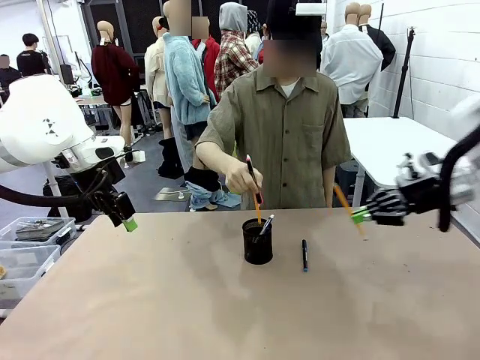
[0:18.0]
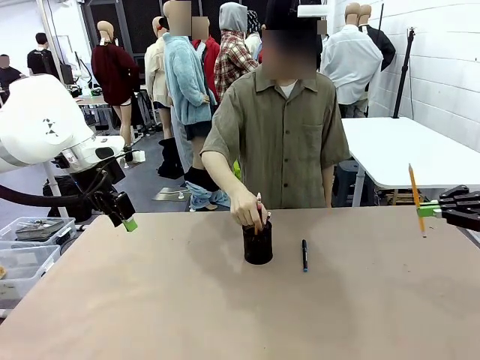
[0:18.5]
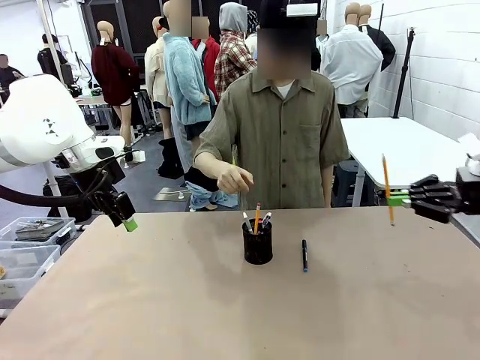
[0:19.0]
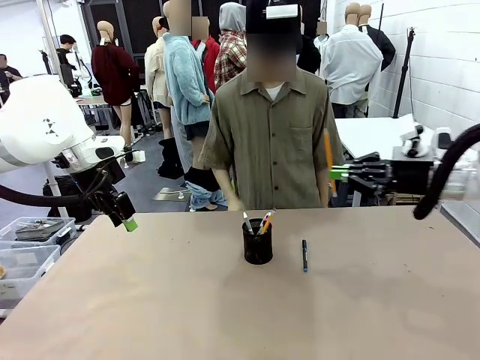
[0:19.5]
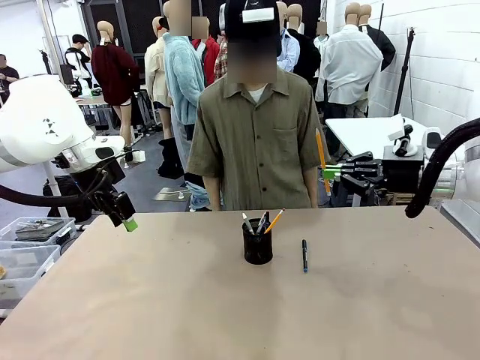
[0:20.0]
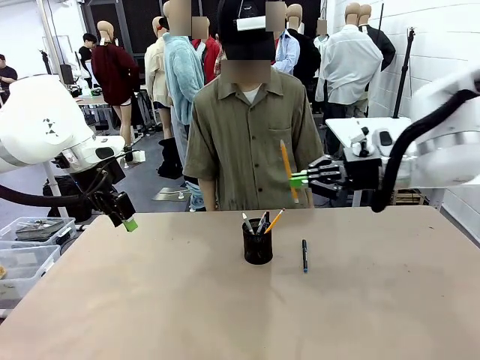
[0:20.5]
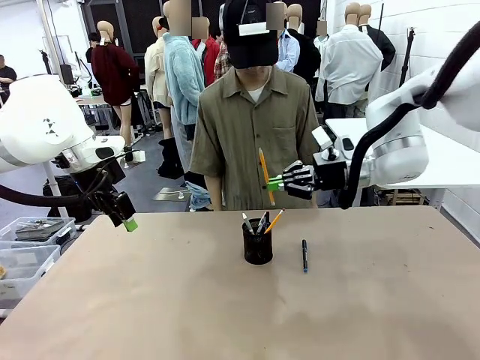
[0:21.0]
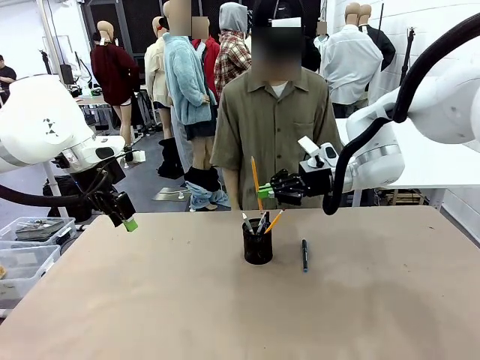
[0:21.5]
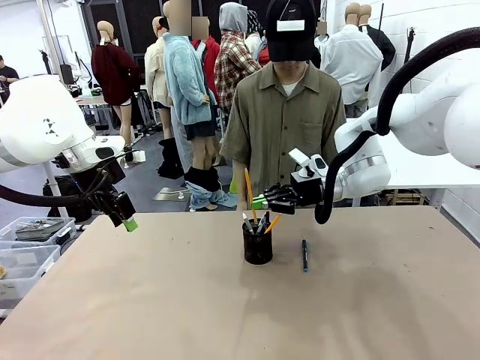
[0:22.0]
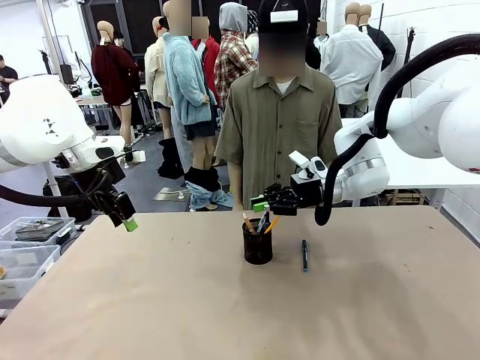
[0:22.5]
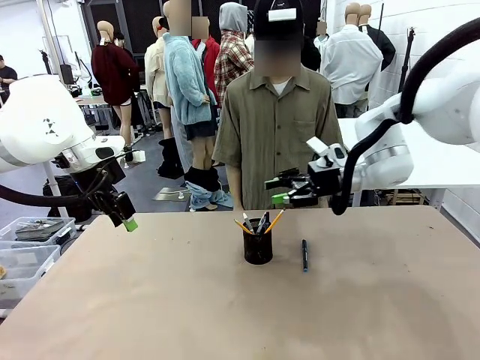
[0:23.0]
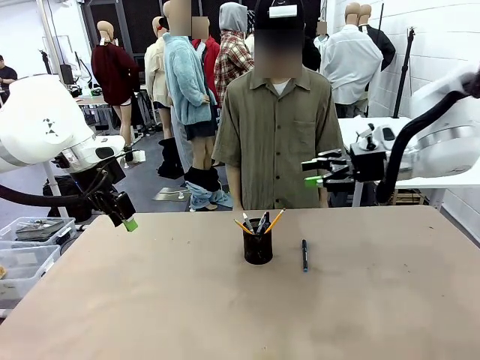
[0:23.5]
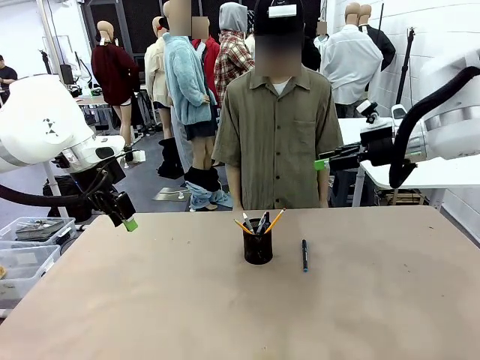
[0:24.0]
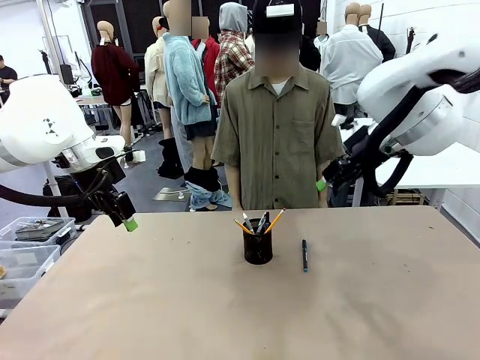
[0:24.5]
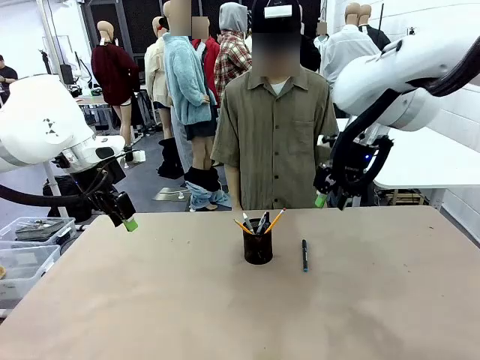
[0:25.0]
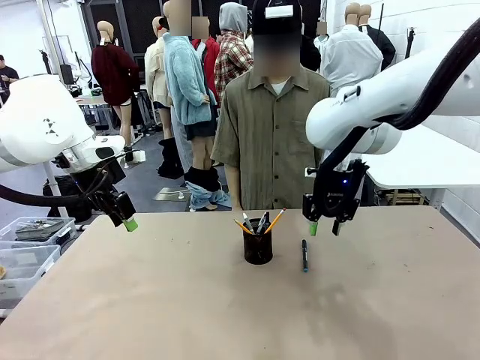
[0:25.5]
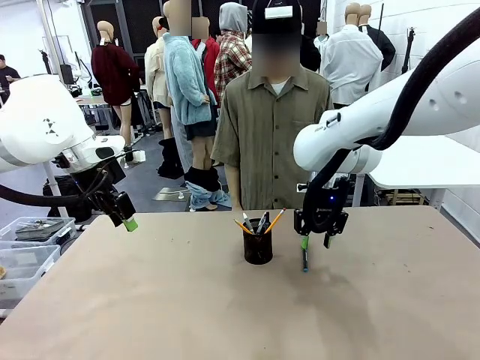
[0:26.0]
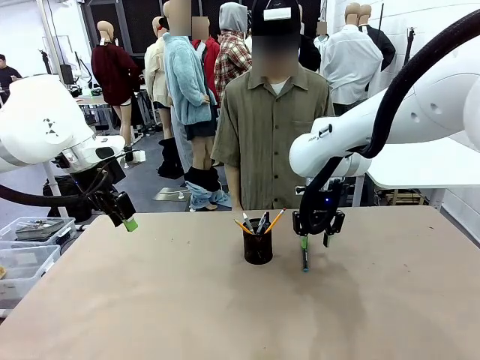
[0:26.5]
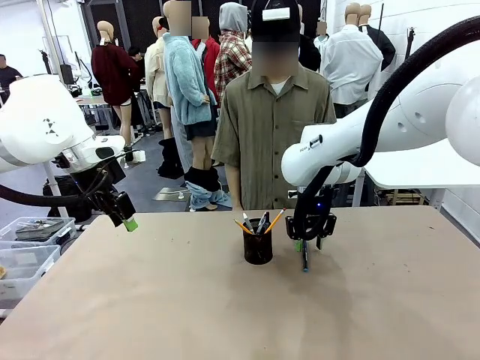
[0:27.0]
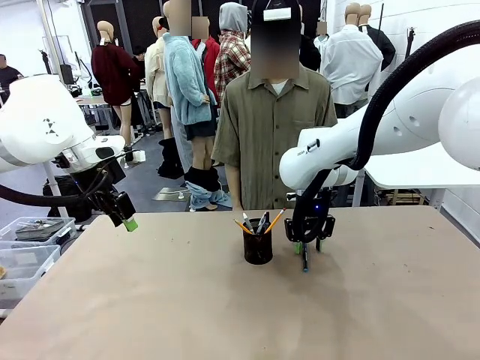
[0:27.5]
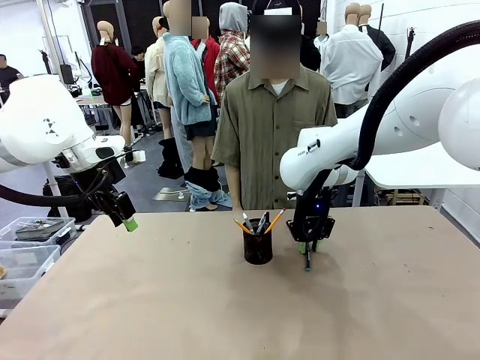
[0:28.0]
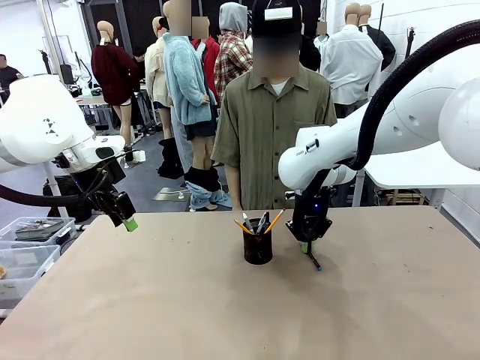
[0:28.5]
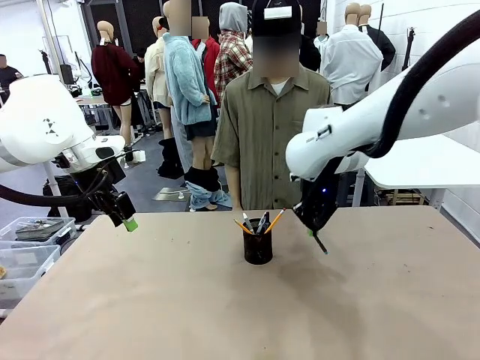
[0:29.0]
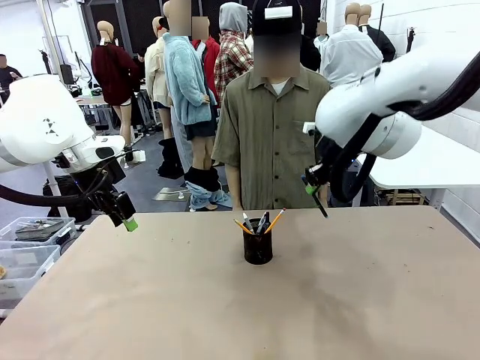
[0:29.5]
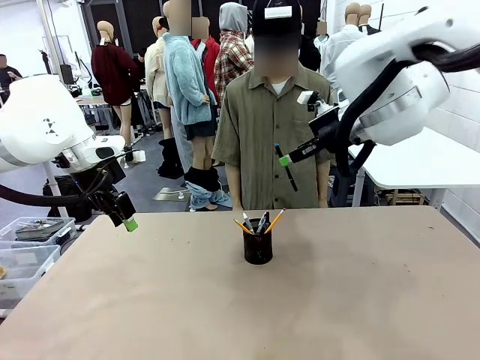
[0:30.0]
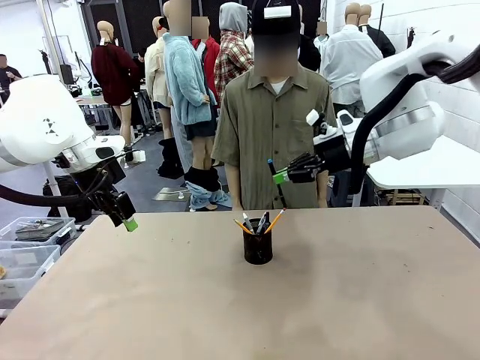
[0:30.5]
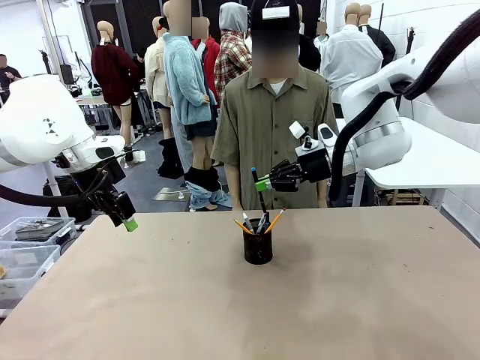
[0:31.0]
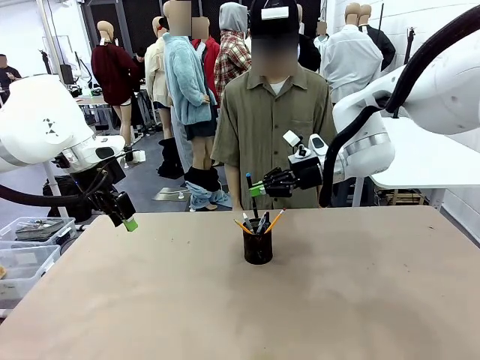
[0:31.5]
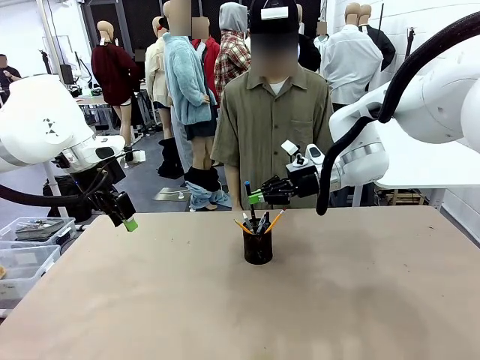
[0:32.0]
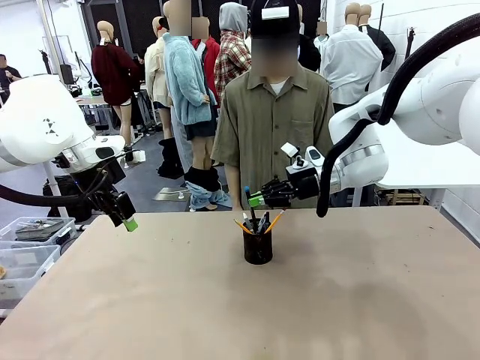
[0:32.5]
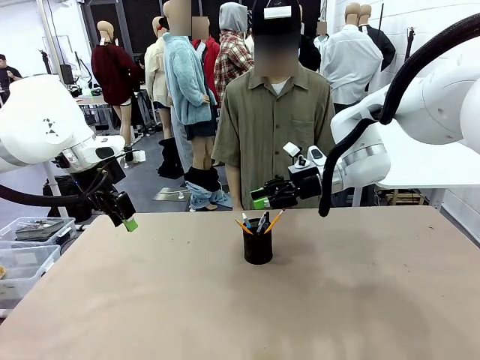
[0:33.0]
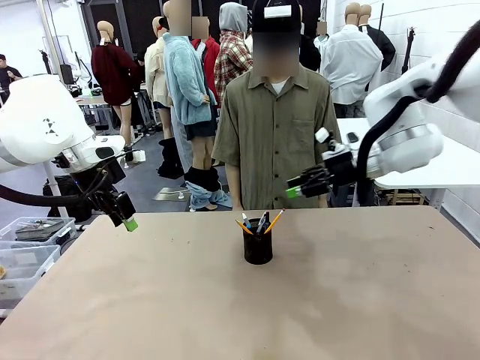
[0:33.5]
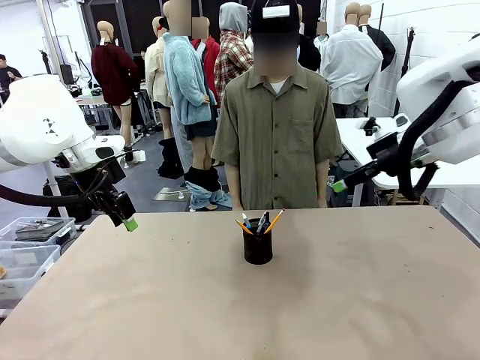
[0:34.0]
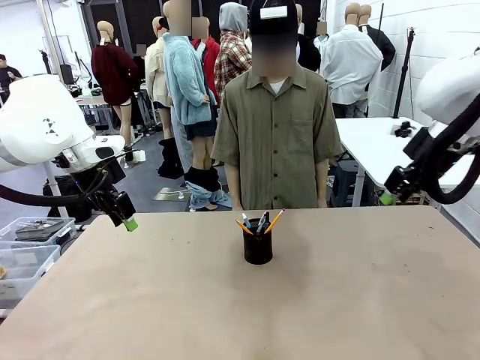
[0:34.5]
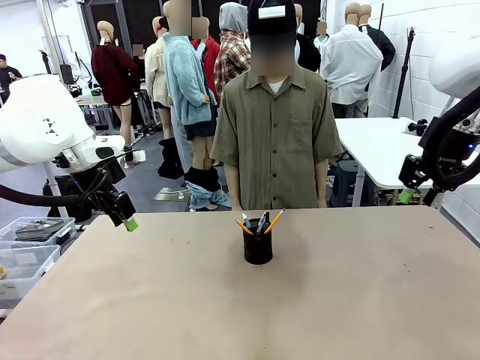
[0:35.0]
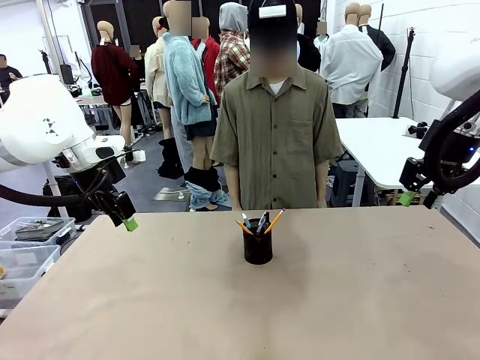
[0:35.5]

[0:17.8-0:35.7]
Task: Place the pens into the pen holder.
Robot: Pick up a writing instrument from the table and place it into the Pen holder.
Person: Place all writing instrument into the Pen holder.

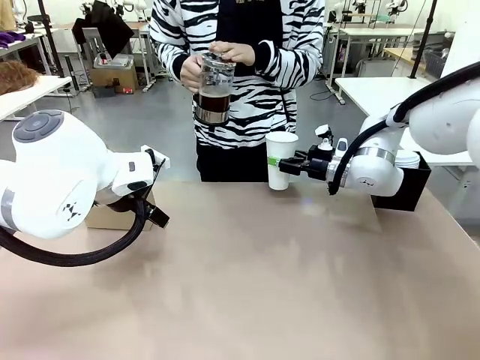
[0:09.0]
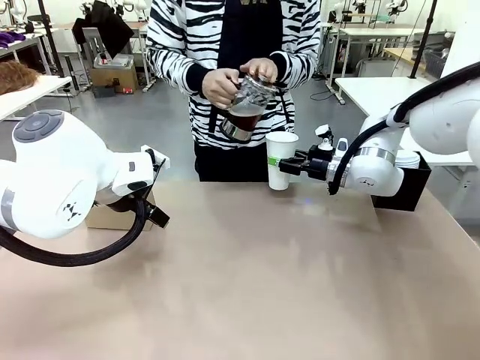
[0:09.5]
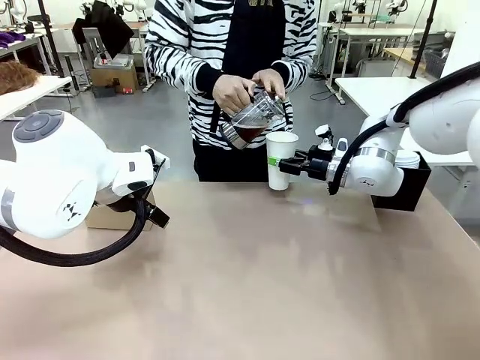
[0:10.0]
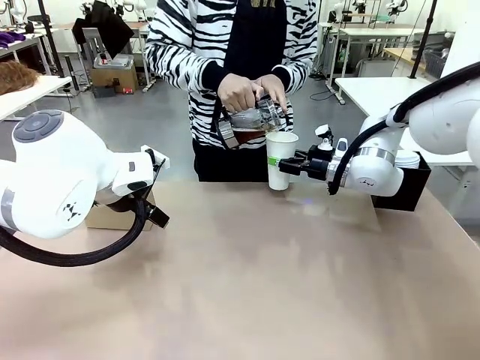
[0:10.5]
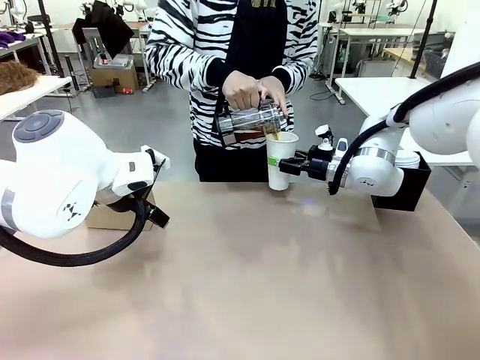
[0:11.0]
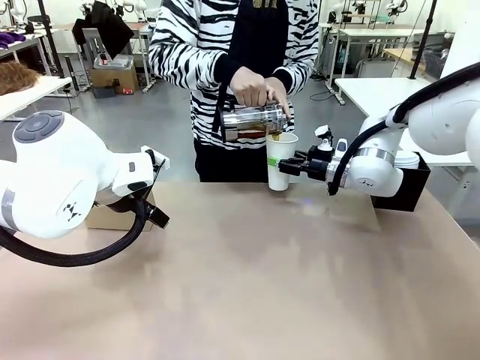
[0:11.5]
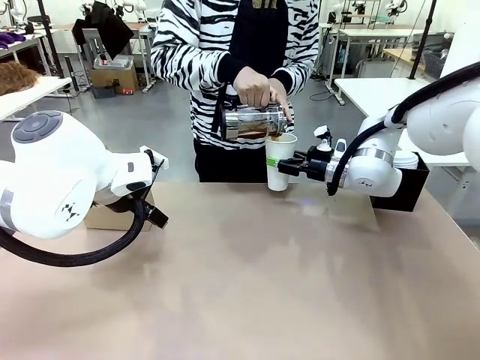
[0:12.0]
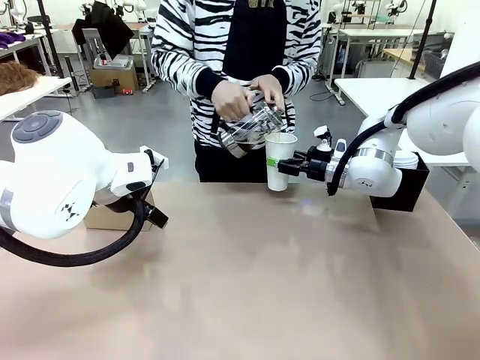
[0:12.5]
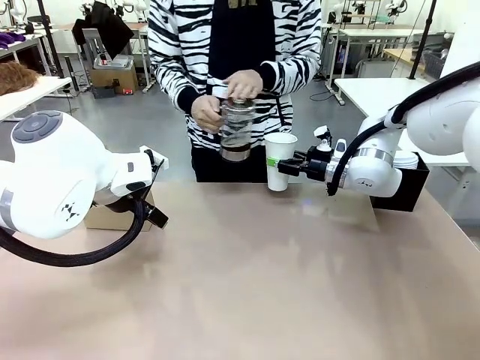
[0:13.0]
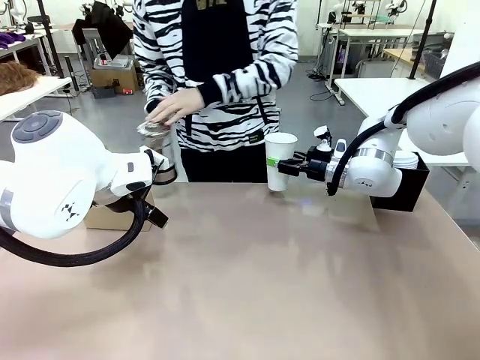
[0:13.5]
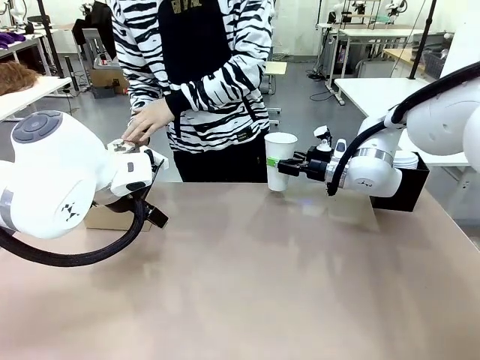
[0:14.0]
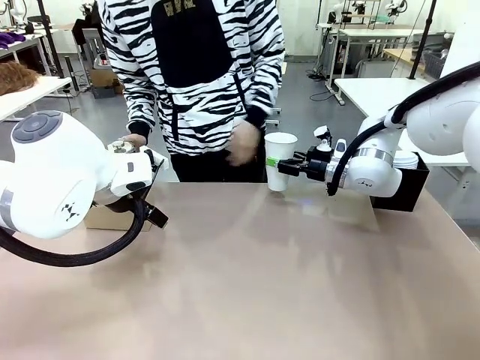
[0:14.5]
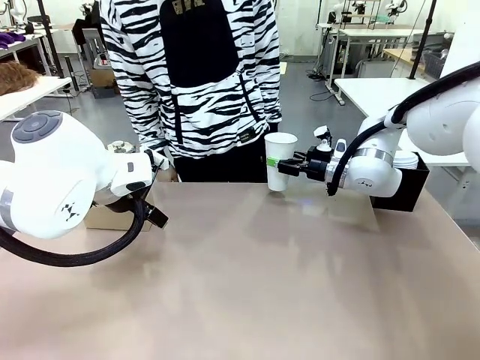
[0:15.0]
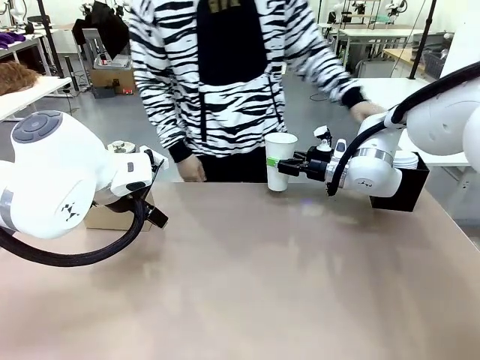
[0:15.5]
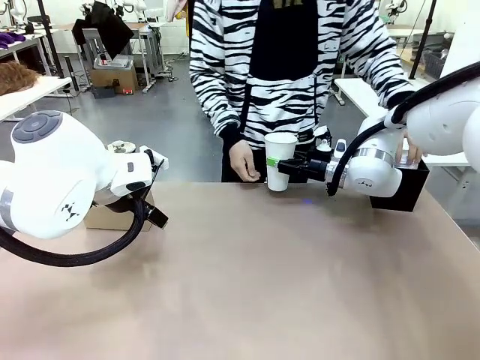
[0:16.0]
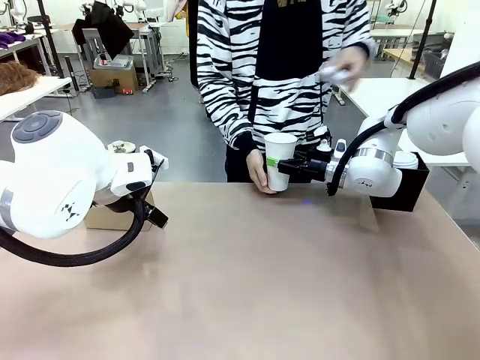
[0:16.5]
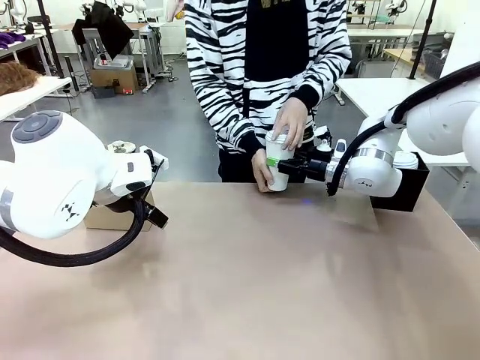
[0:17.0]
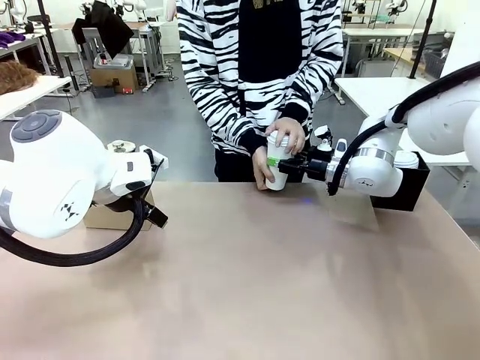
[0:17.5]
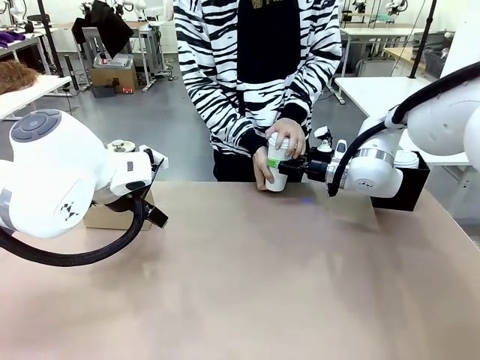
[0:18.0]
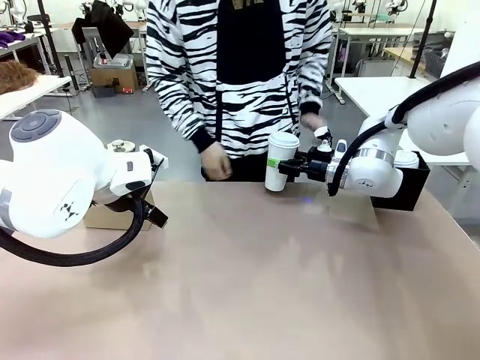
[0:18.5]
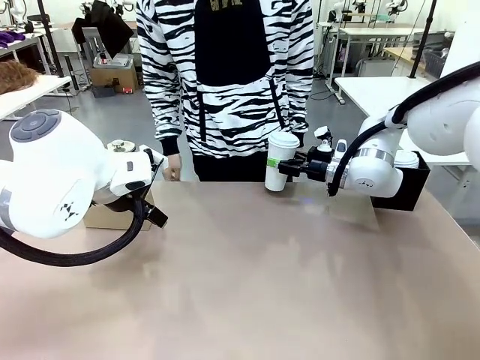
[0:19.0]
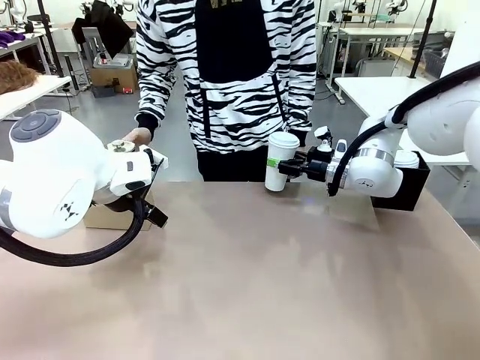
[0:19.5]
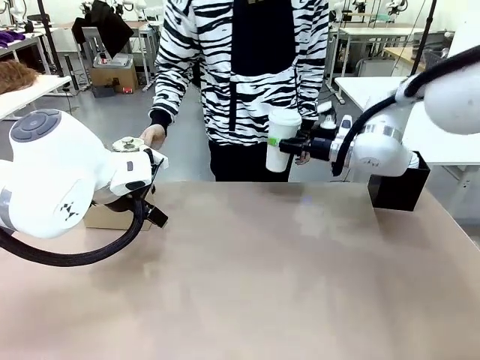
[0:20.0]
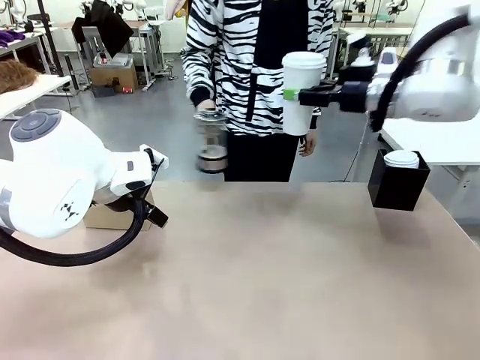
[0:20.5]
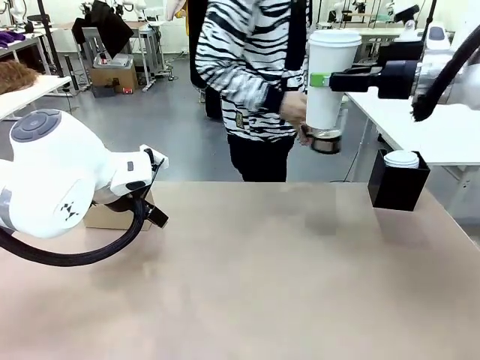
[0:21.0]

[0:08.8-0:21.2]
Task: Pour a drink into a cup and package it in a carrier.
Robot: When a person places the Paper Cup Lid on the 600 ml Paper Cup , lift the 600 ml Paper Cup.
Person: Pour the drink from the Filter Brewing into the 600 ml Paper Cup. Place a Paper Cup Lid on the 600 ml Paper Cup.
